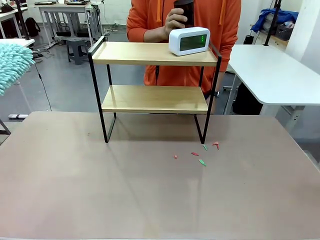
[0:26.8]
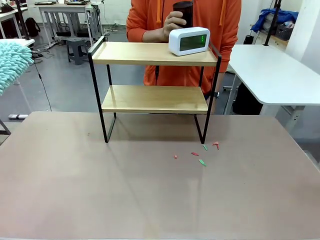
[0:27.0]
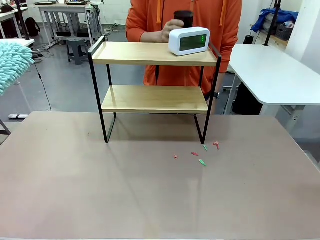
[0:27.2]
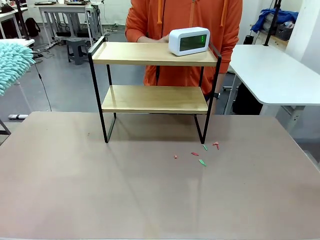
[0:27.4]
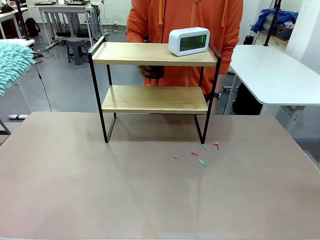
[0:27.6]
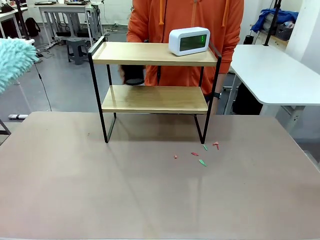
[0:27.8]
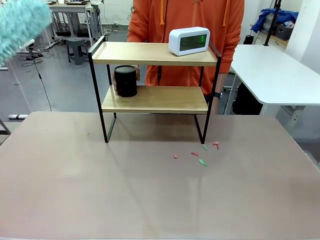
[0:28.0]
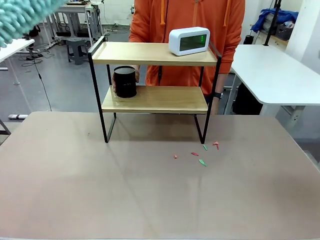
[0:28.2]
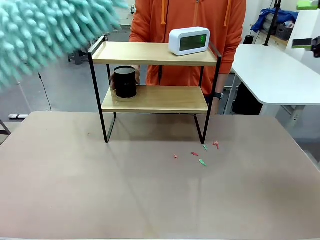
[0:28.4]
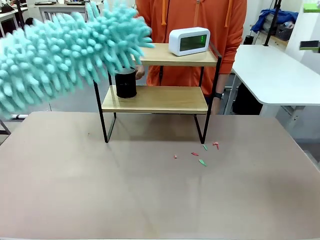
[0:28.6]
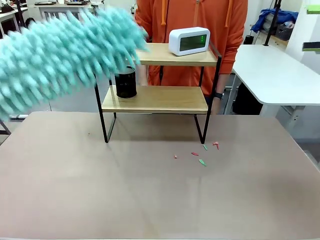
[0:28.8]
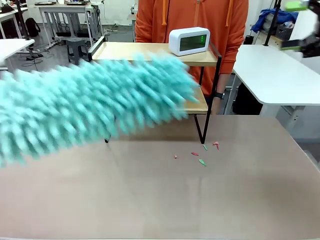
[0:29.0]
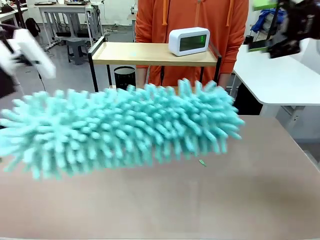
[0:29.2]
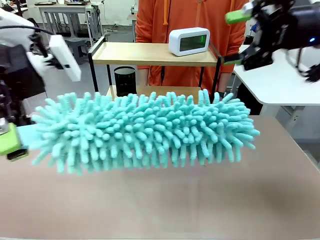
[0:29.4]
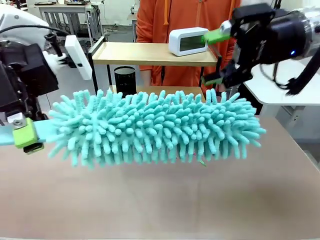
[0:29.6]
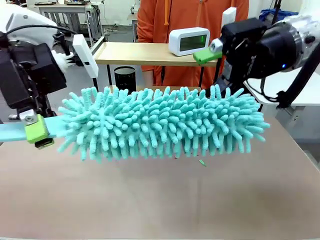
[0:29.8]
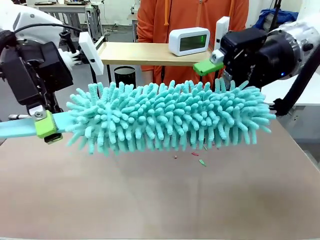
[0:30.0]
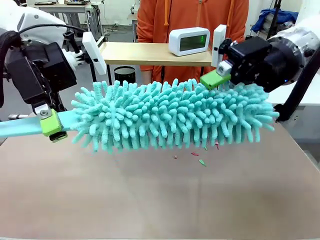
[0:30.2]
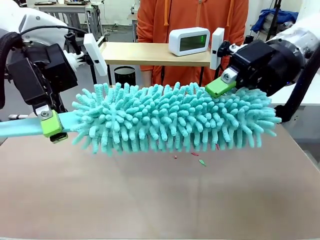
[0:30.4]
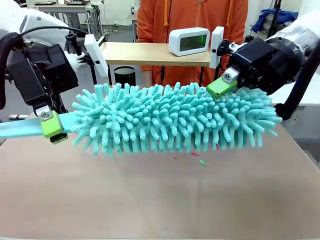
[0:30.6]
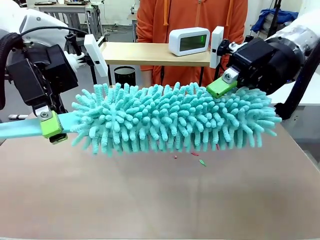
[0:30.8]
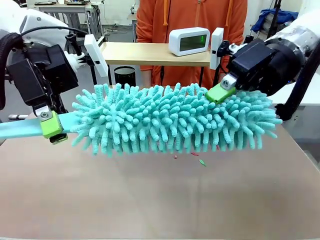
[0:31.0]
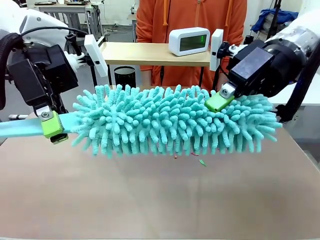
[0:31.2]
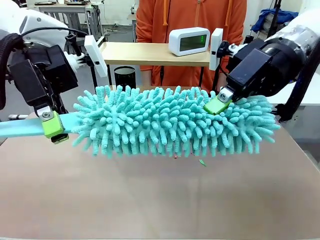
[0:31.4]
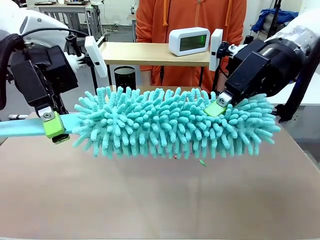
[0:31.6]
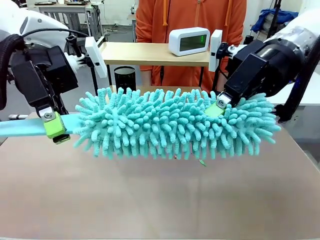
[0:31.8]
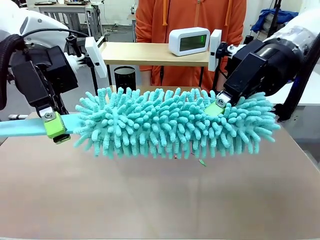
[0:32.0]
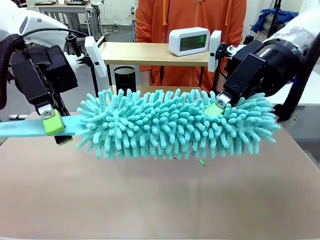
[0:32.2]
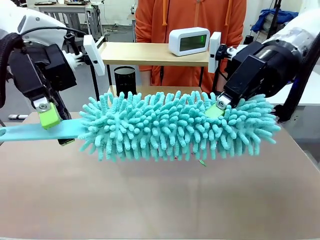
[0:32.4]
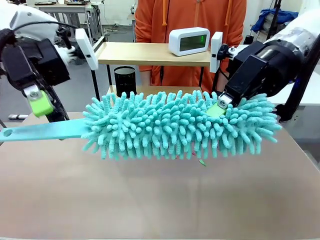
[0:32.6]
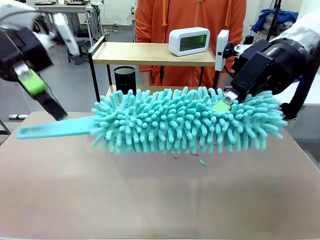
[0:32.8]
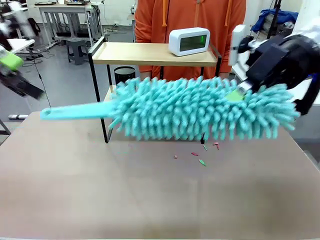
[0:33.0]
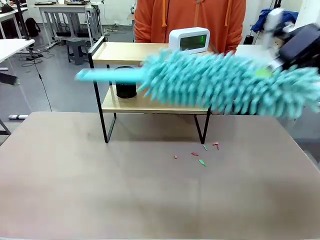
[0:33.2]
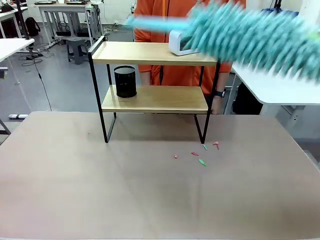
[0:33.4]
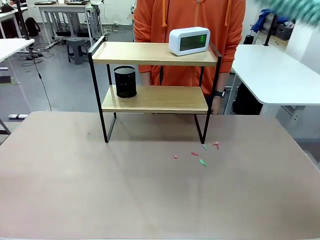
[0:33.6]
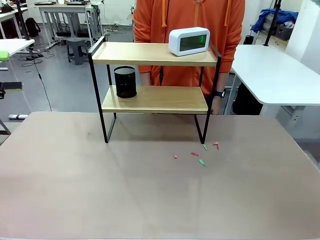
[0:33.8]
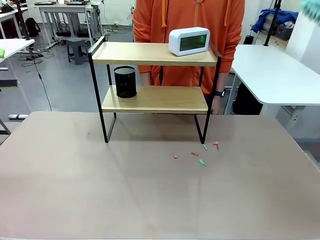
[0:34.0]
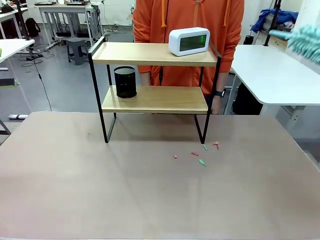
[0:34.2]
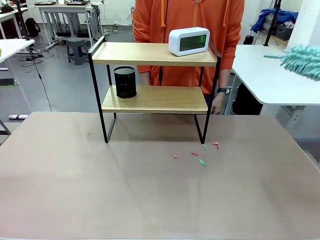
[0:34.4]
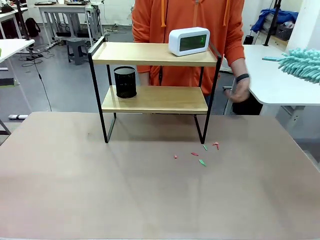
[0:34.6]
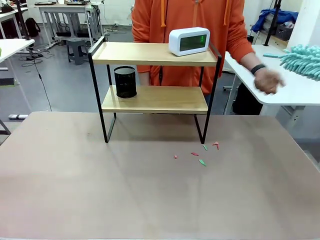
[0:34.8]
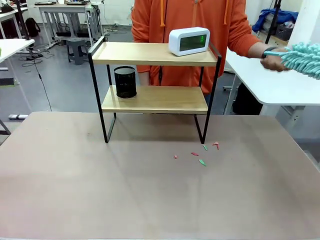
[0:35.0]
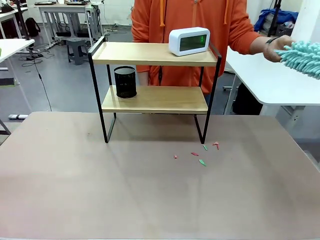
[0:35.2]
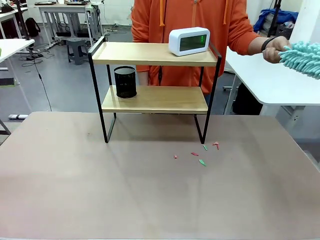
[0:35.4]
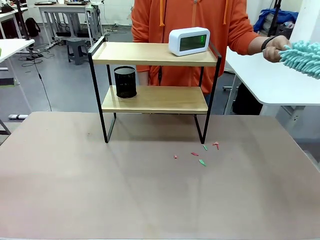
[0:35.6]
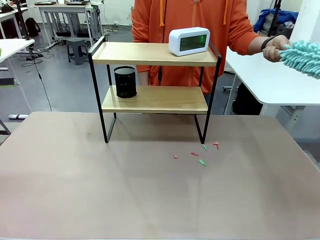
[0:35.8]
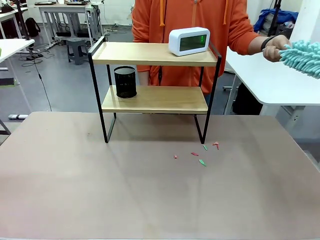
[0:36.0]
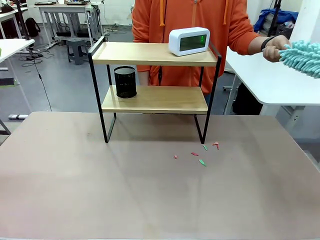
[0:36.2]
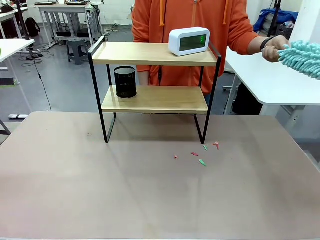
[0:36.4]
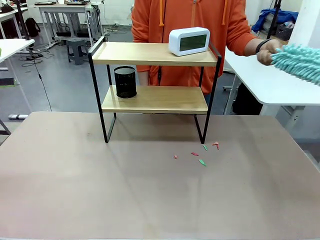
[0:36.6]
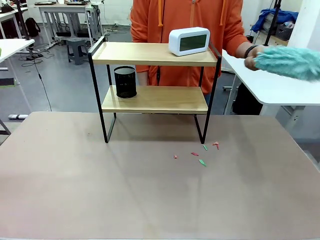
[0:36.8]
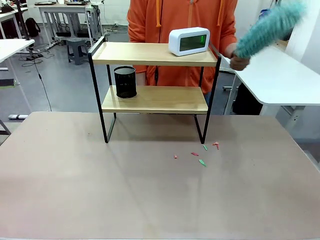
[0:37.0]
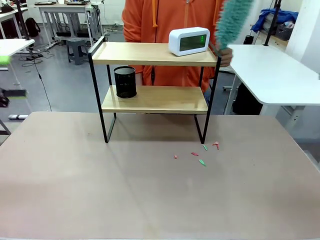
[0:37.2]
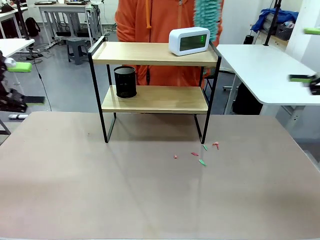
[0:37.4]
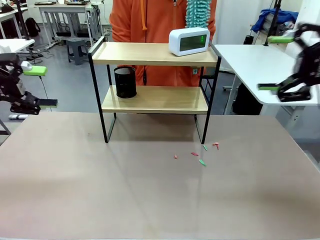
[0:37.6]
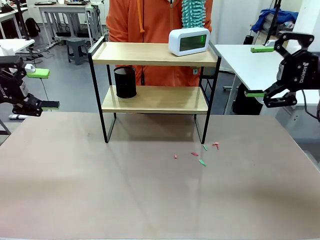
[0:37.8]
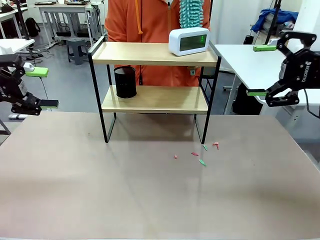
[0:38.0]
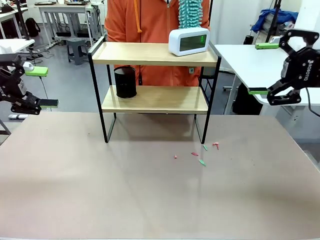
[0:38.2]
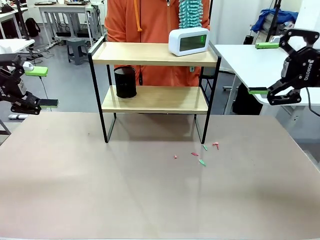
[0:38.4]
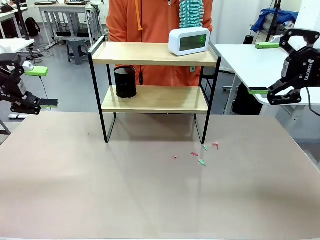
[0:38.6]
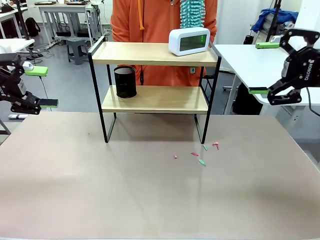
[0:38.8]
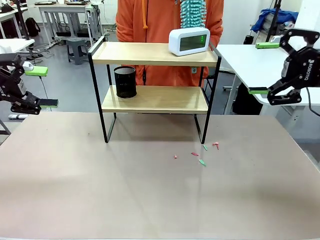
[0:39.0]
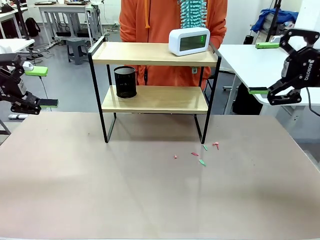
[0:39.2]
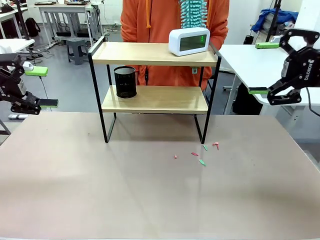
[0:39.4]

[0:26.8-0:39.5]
Task: Clean the shelf.
Robot: Hand the Duster back to the human.
Person: Receive the Duster from the robot.

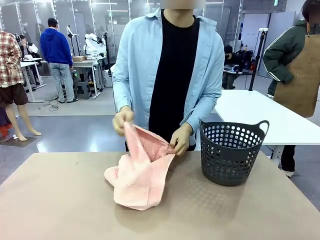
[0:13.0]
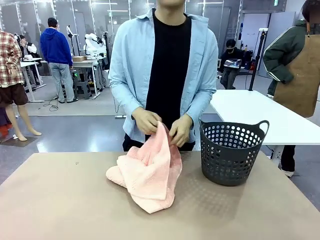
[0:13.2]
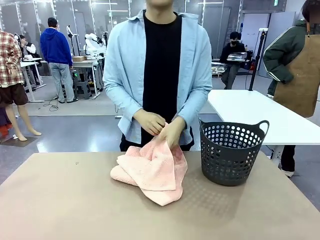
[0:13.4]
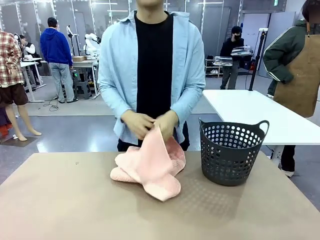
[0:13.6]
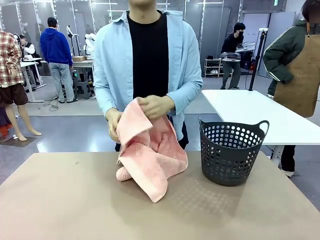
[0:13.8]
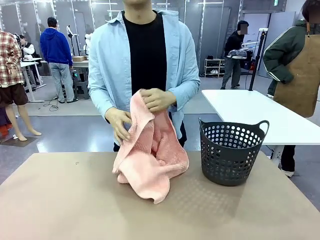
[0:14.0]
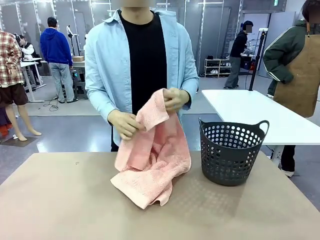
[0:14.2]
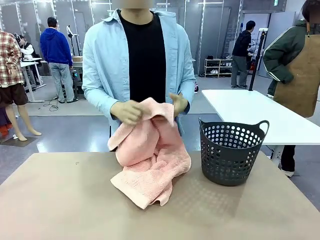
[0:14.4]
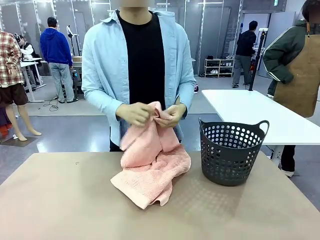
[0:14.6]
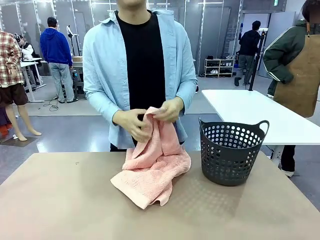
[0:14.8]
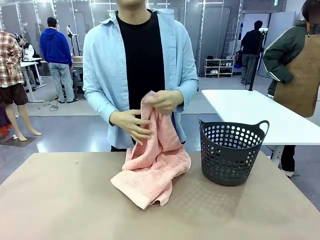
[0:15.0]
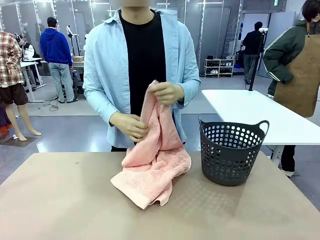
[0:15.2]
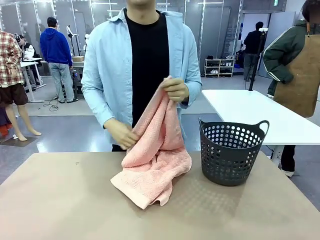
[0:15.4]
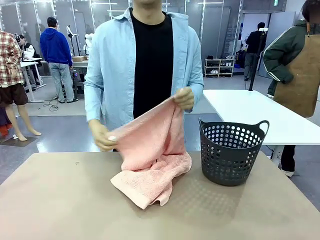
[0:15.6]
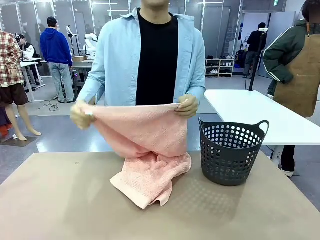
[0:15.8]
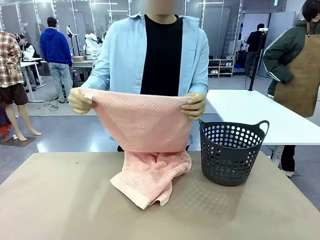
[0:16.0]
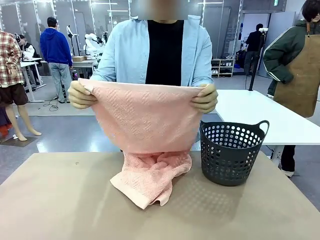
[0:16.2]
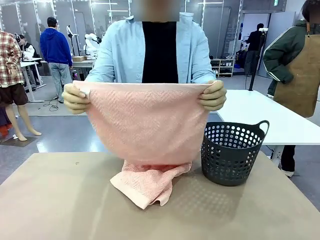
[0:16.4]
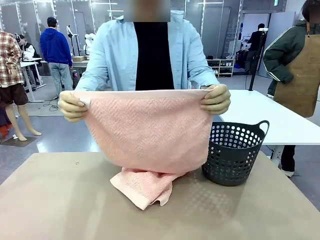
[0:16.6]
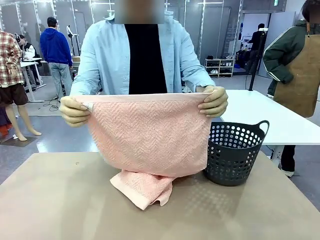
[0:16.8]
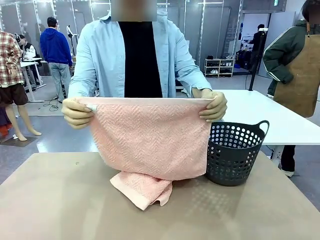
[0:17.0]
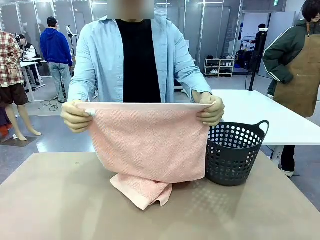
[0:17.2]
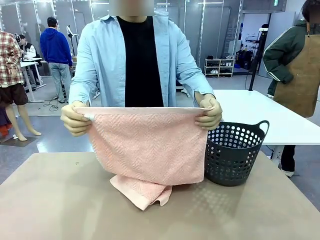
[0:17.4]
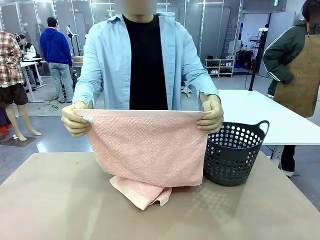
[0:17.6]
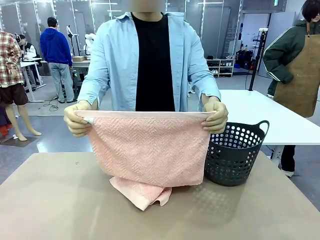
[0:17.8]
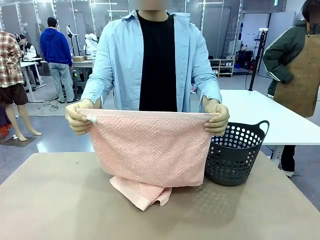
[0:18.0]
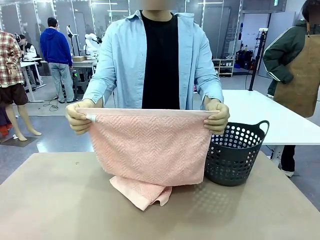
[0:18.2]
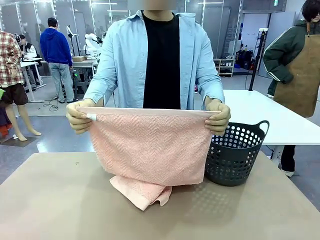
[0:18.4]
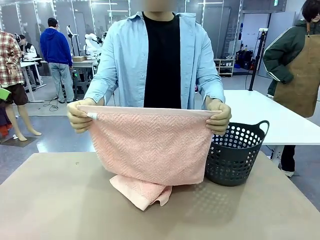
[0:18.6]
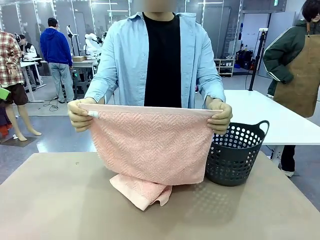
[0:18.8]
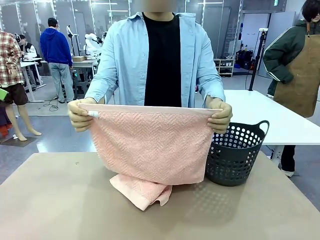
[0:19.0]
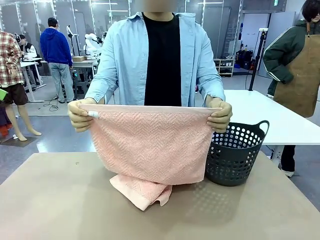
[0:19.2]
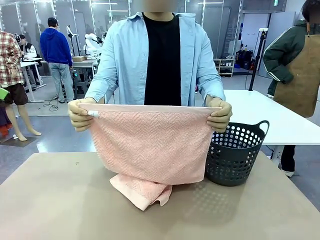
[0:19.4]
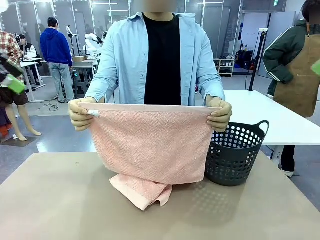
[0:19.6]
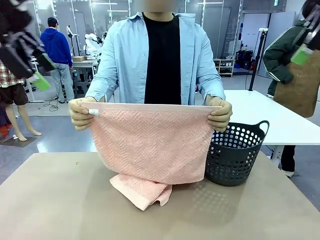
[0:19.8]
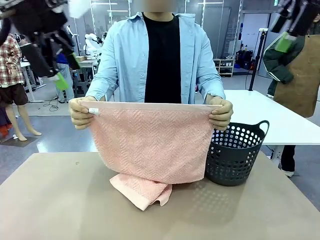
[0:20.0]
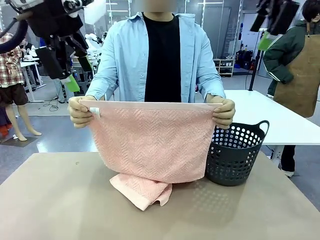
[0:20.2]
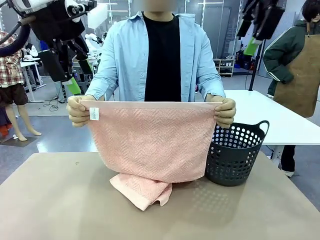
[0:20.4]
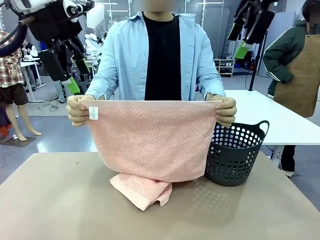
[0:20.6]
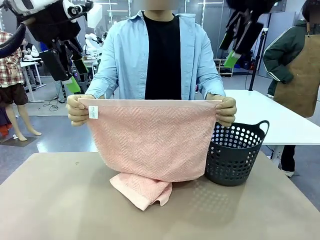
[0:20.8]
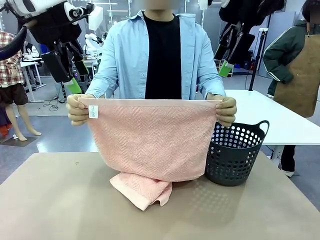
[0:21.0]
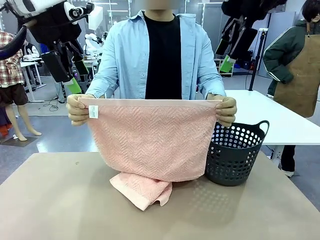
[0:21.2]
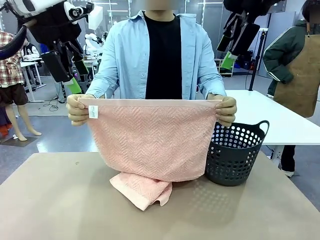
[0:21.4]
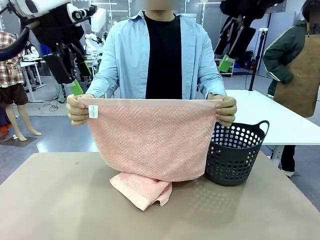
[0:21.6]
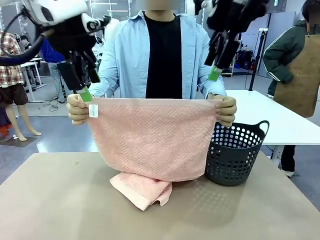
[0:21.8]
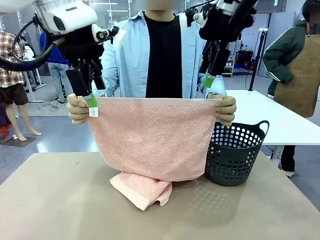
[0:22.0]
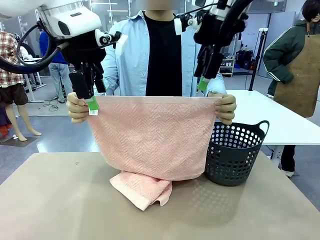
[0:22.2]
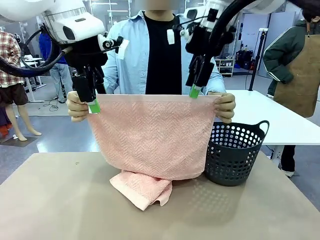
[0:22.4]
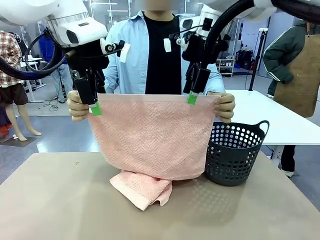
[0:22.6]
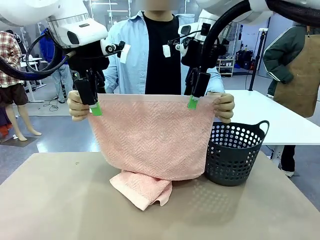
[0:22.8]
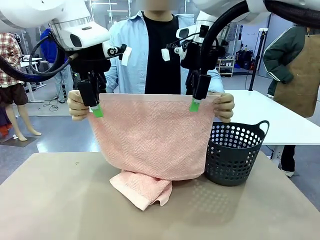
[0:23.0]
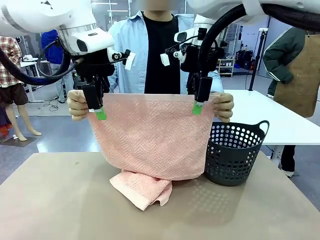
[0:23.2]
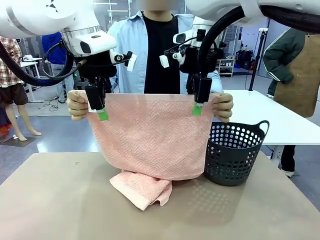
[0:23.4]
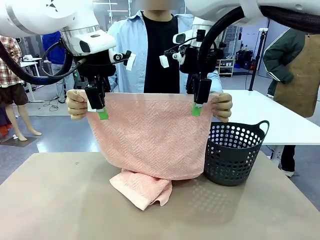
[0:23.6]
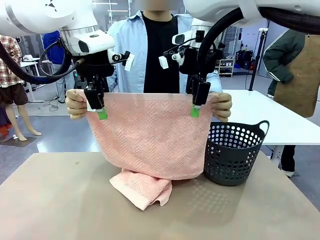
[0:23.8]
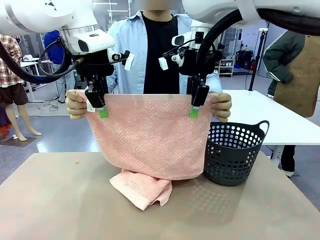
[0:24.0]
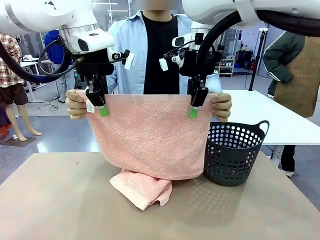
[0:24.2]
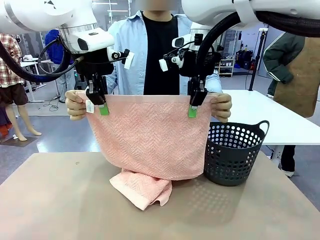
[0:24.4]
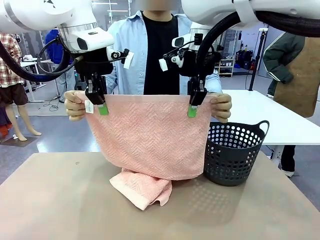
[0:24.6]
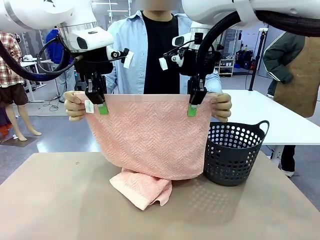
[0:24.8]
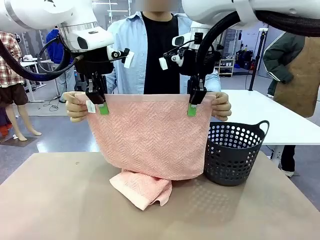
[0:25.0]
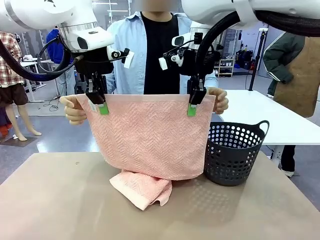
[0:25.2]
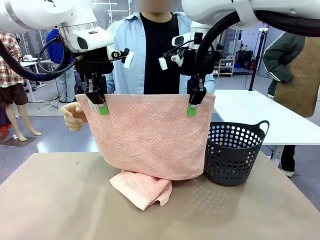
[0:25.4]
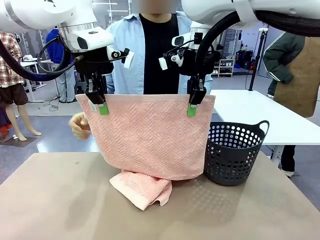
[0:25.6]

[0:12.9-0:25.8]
Task: Fold the towel.
Robot: Grab the top end of the 100 cm Hotel Towel extended by the human.
